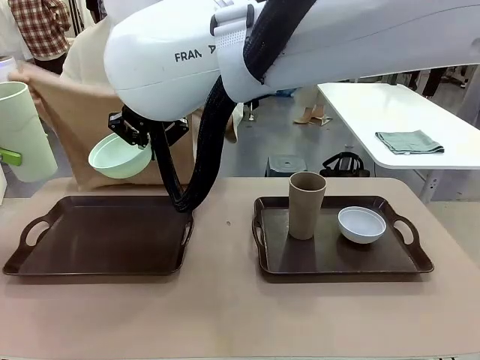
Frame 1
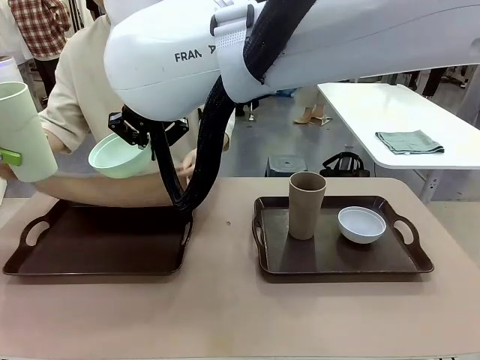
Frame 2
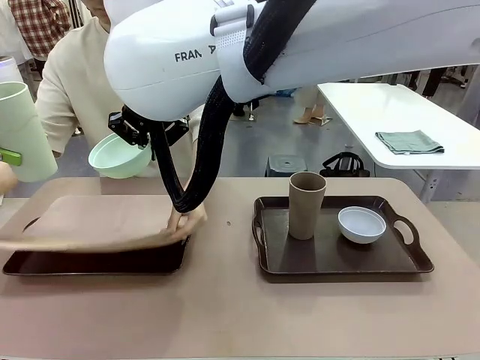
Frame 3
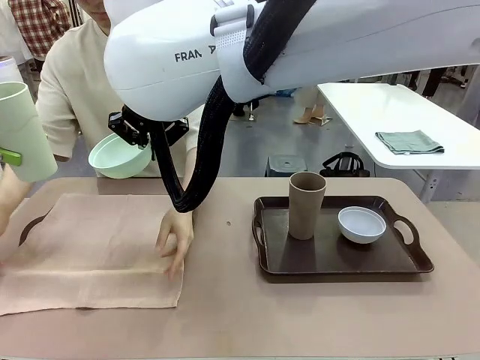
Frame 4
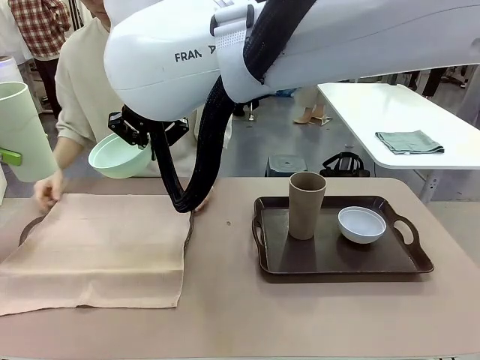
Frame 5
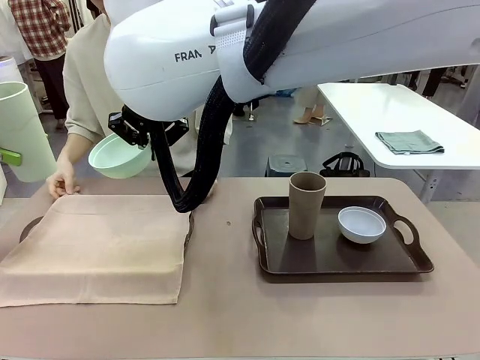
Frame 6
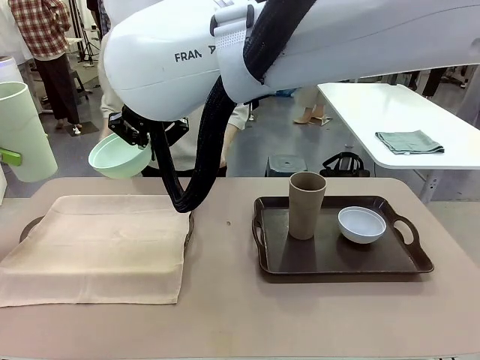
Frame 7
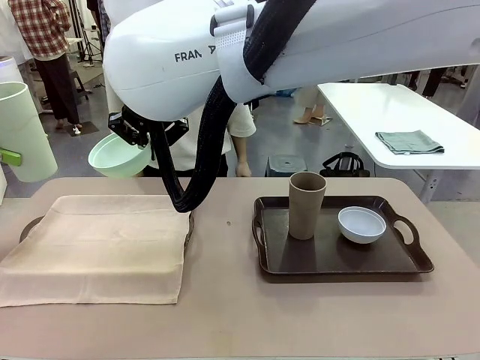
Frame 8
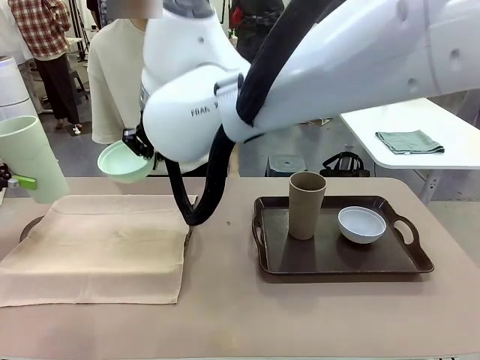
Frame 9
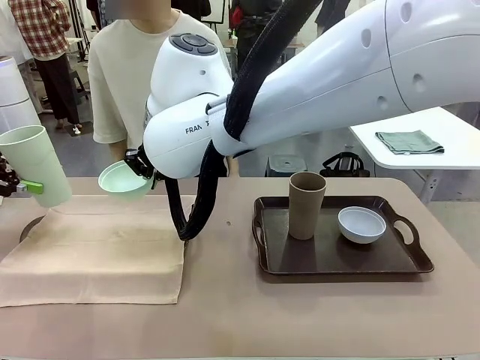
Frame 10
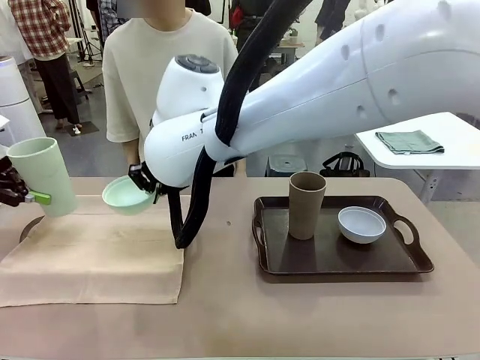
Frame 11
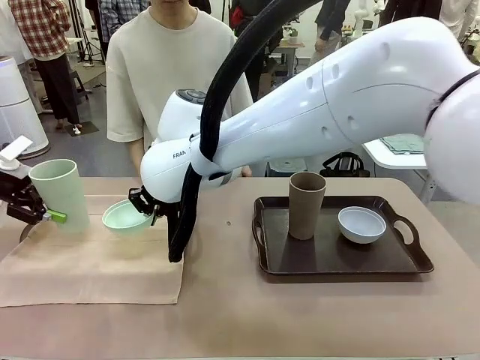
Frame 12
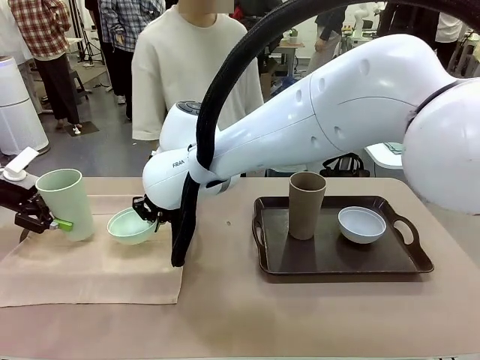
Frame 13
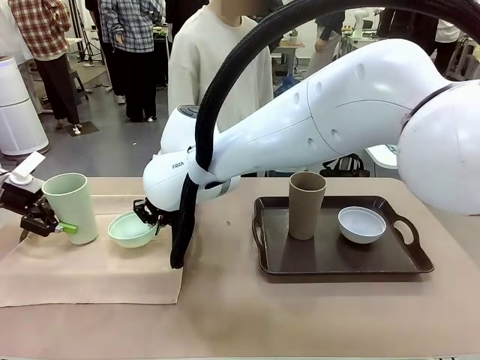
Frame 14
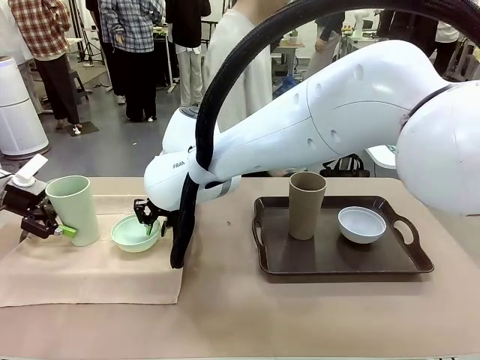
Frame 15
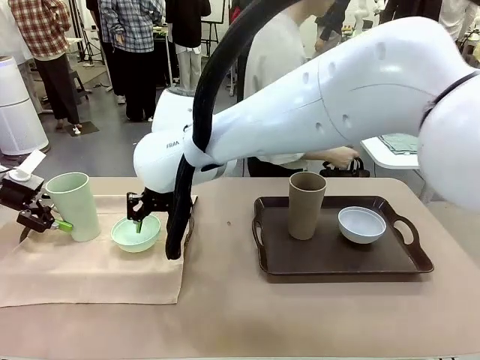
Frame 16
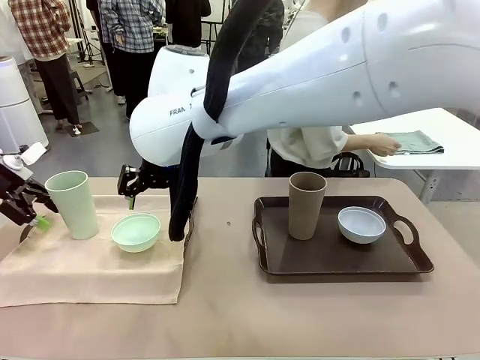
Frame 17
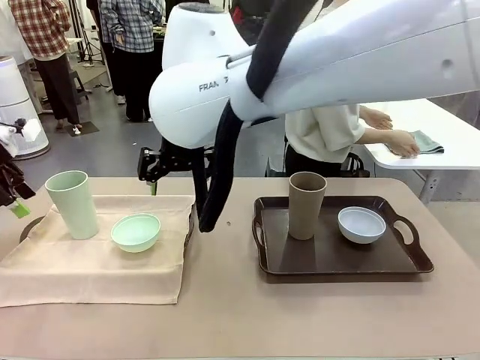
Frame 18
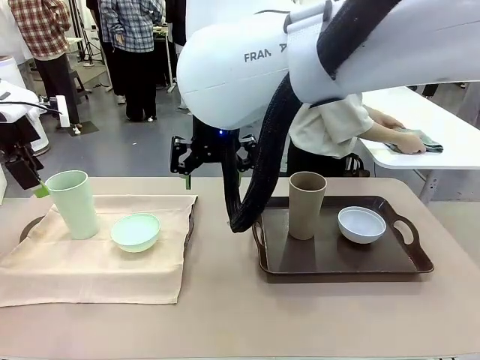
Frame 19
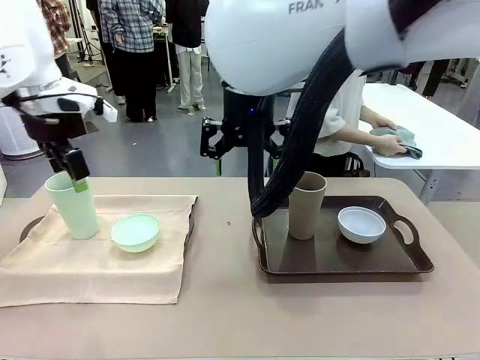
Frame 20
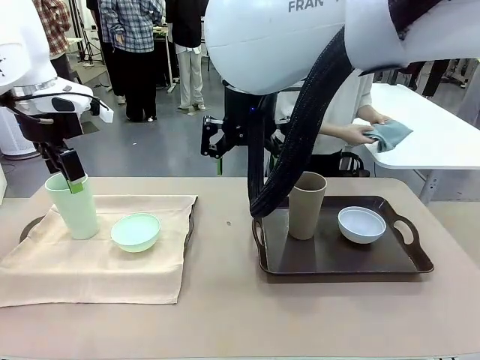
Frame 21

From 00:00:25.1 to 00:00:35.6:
Robot: Place the Picnic Bowl and Reusable plastic cup back onto the Handle tray in front of the human's position.
Person: The human returns to the human table to pick up another napkin and walks to the robot table to stand in front of the tray without a napkin.

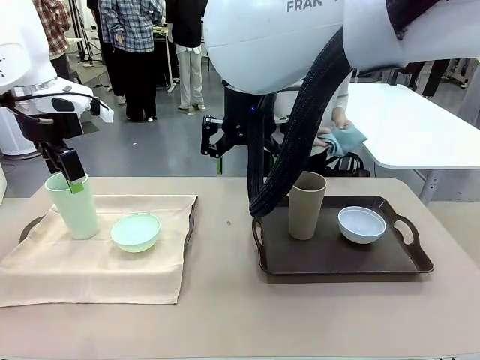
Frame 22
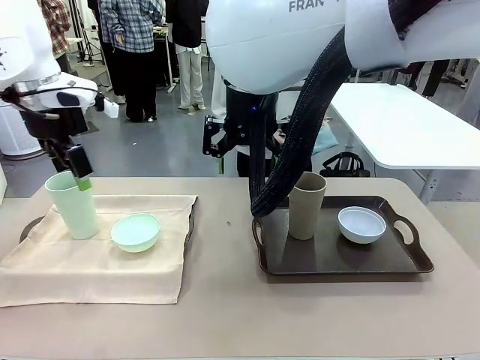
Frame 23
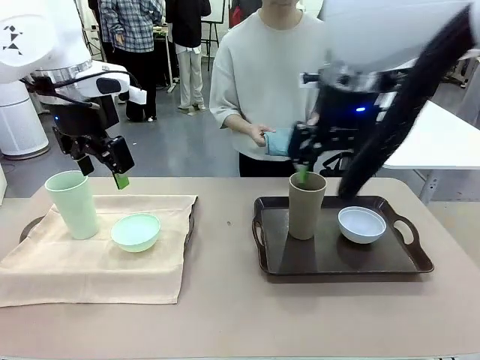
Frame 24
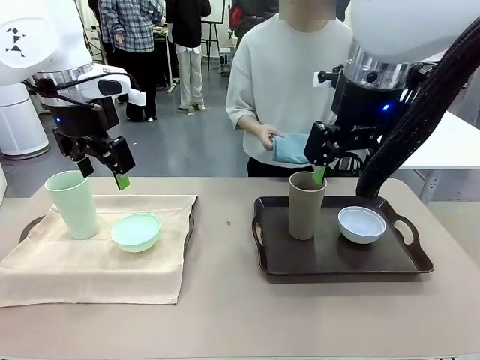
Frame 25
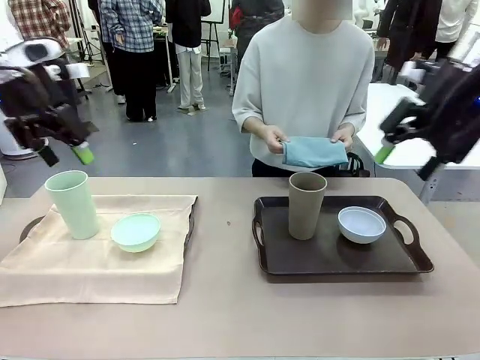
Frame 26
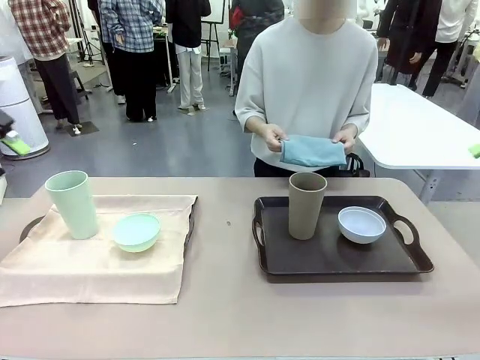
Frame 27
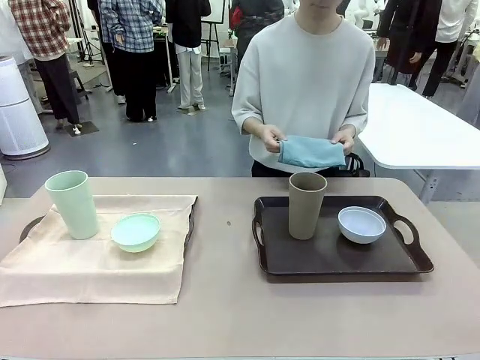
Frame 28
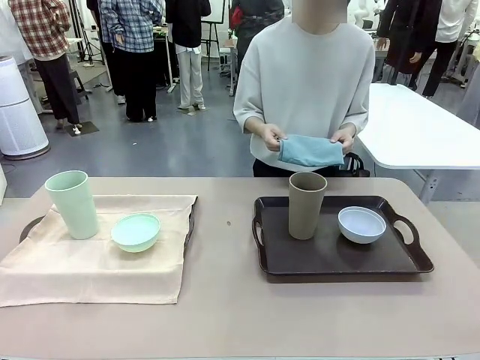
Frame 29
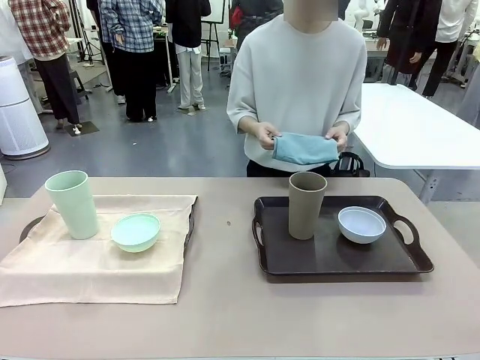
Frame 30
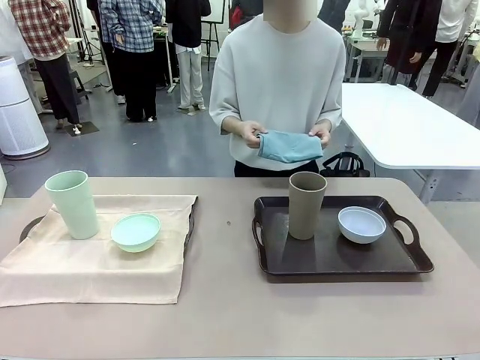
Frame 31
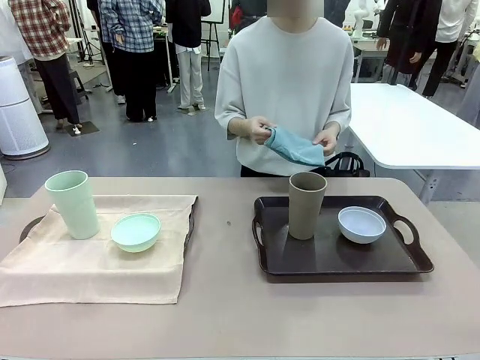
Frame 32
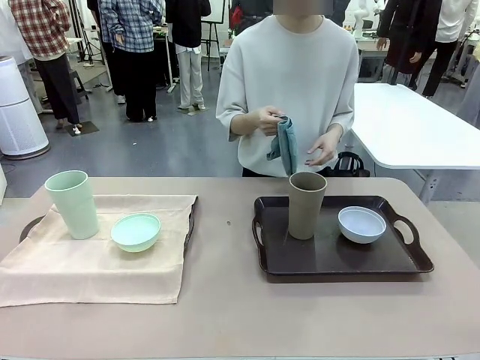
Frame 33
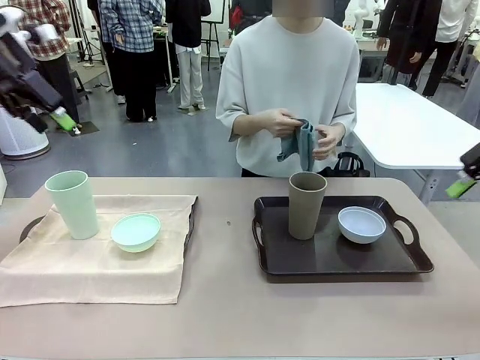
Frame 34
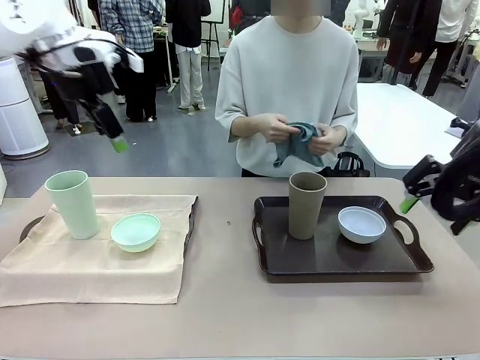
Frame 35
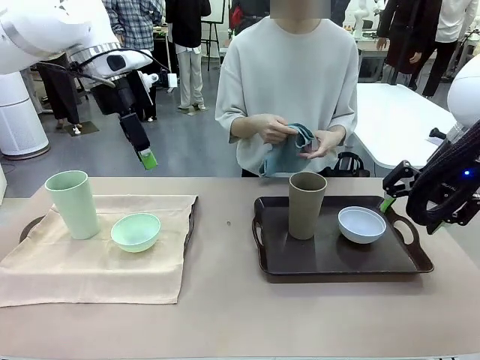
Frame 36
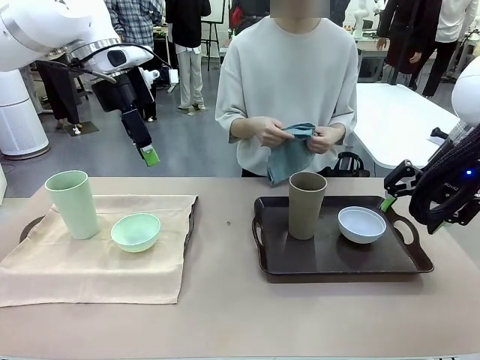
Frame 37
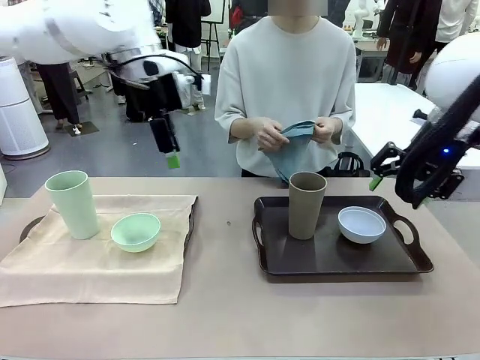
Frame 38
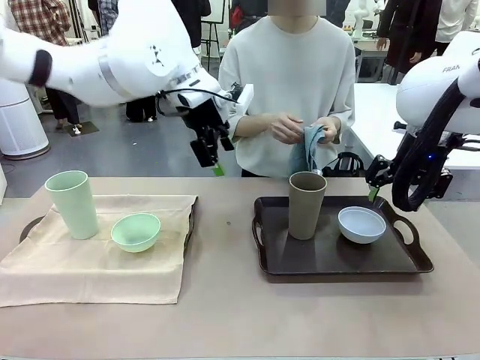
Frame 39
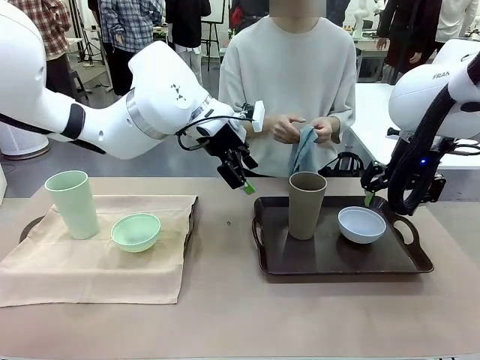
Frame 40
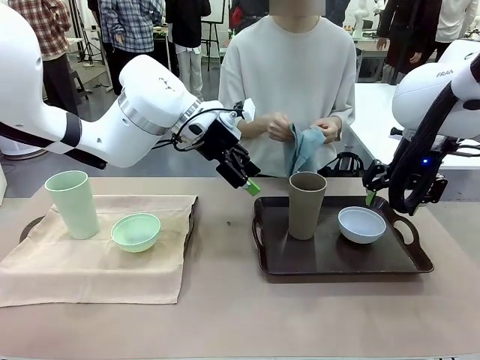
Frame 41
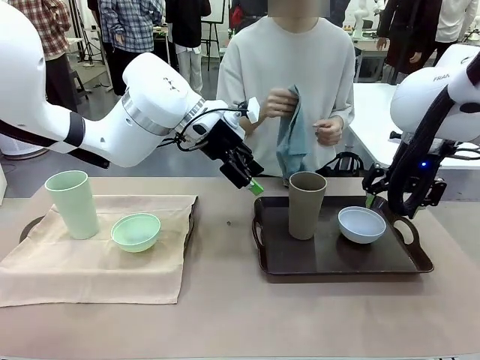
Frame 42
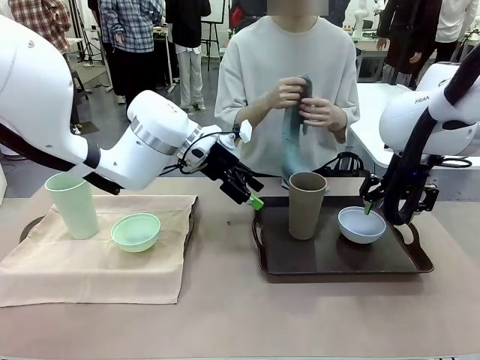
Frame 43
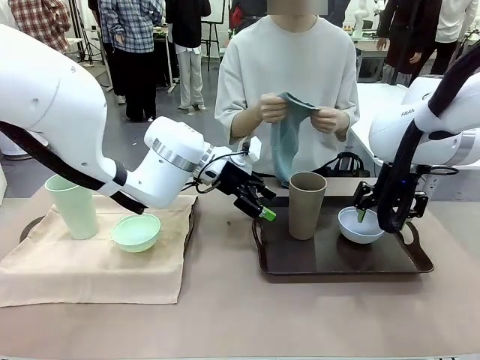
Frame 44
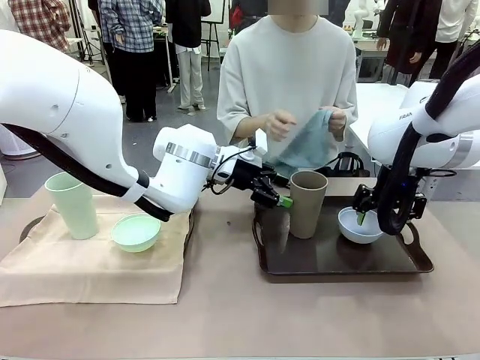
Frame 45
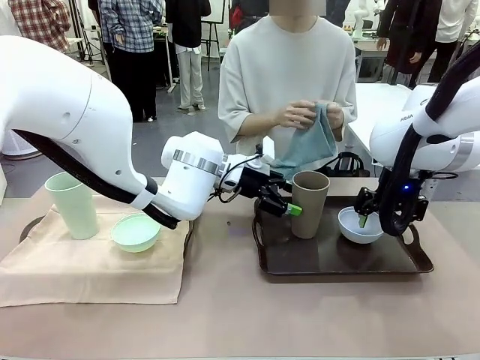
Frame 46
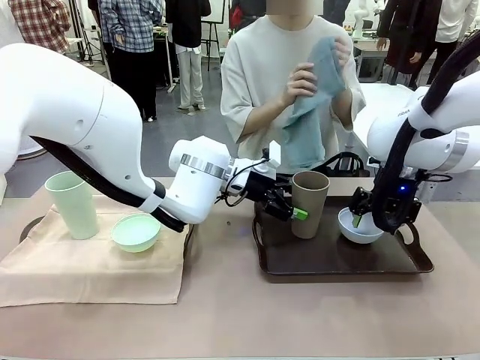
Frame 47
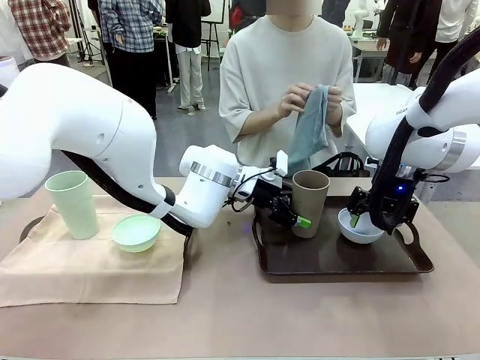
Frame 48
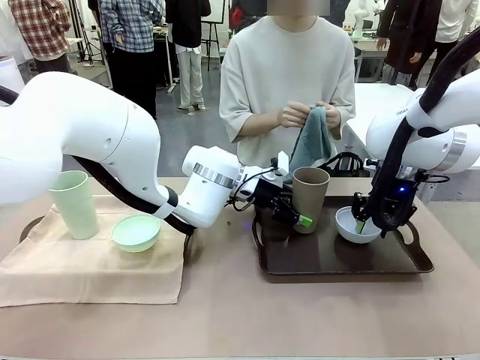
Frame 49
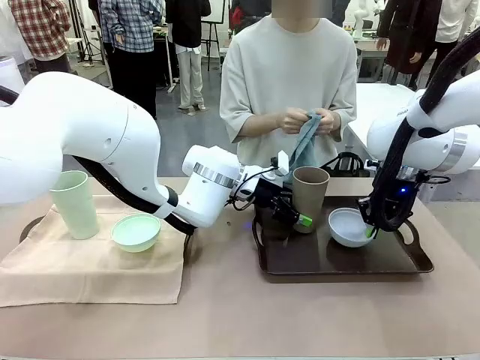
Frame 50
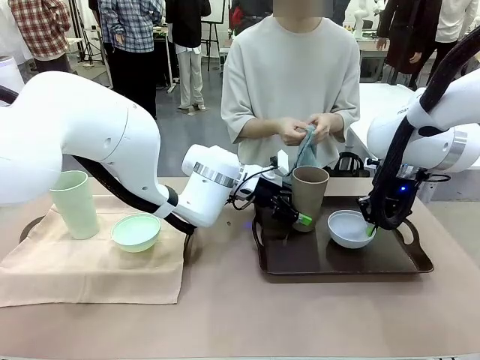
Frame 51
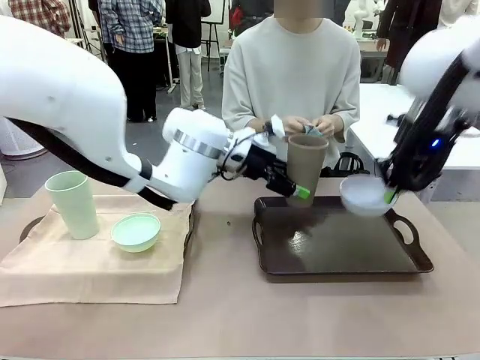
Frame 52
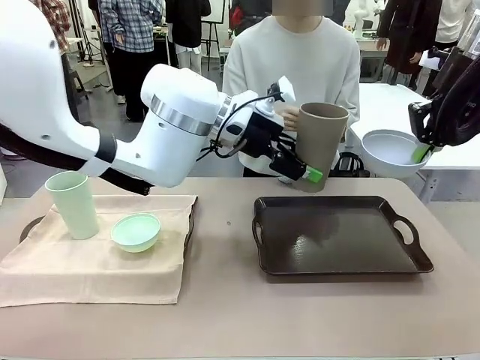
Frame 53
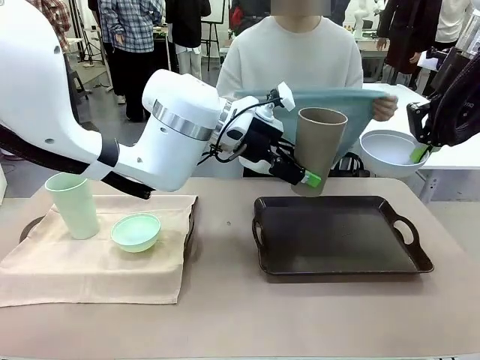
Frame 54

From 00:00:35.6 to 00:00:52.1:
Robot: Pick up the Picnic Bowl and Reusable plastic cup from the Handle tray in front of the human's position and hold them in the air.
